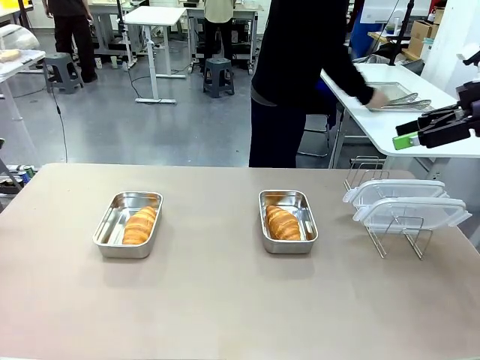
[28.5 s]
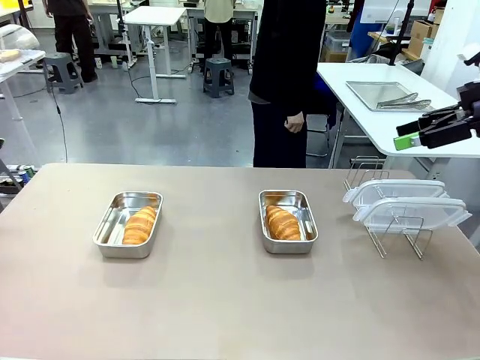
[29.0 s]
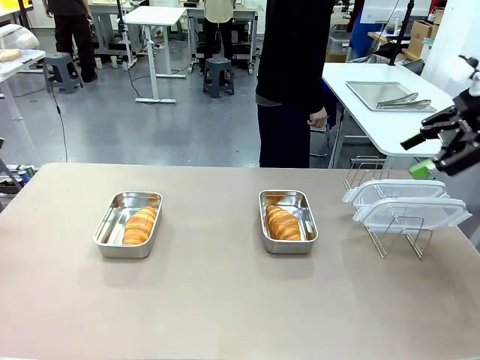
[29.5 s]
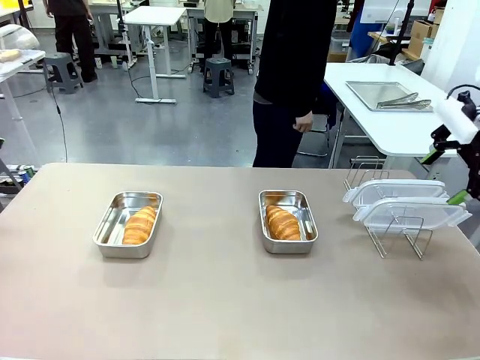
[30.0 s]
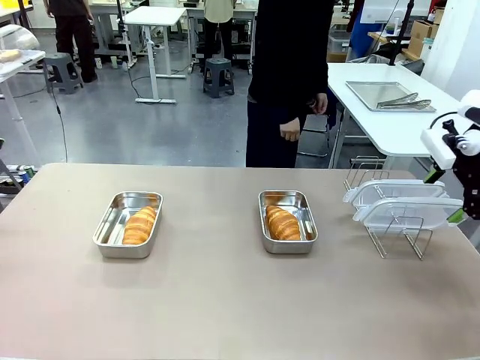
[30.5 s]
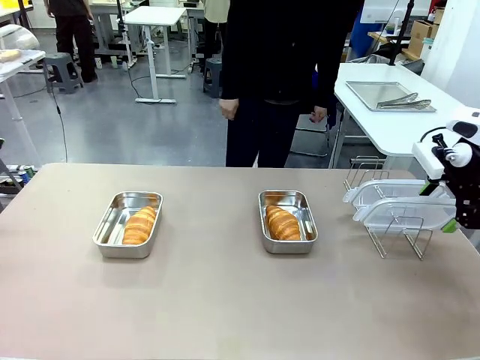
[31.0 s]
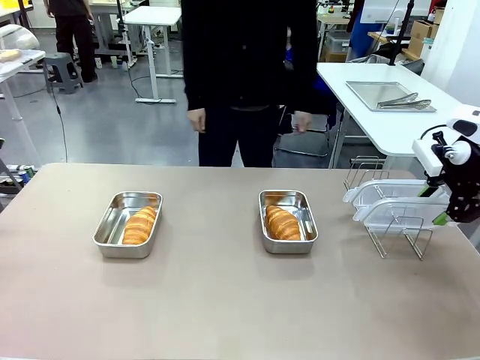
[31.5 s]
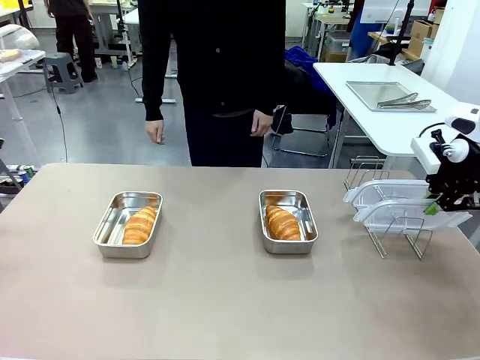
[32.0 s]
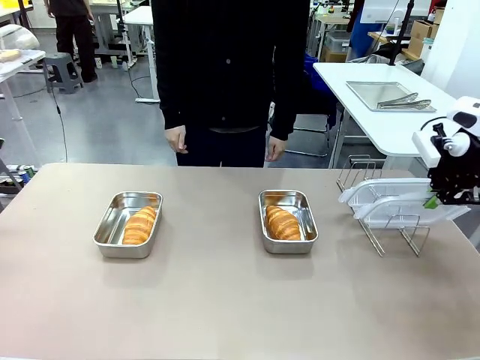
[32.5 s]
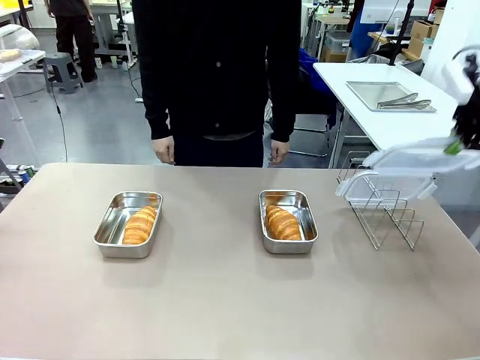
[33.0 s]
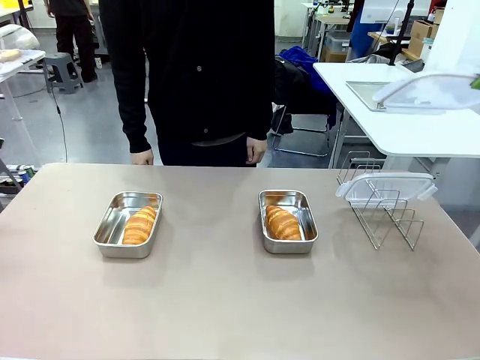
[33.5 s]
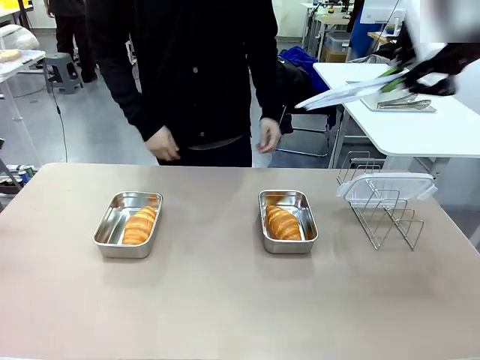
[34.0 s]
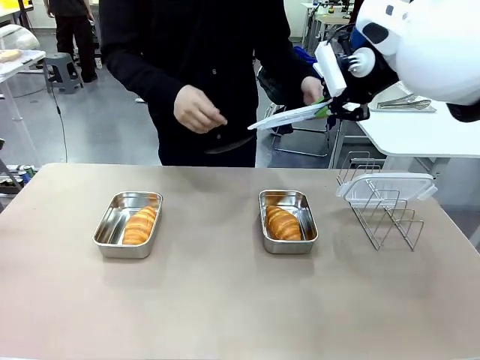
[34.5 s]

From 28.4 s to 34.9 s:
Task: Place the bread in airtight containers.
Robot: Pick up one Airtight Container lid and hand it to the human.
Person: Grip Airtight Container lid that robot is handing.

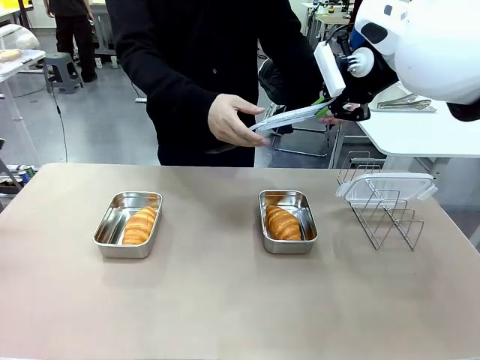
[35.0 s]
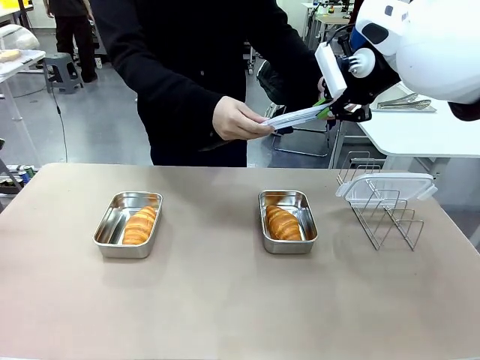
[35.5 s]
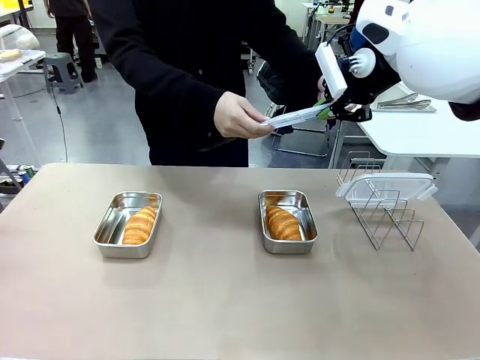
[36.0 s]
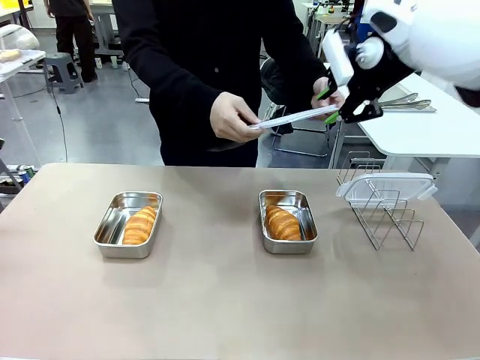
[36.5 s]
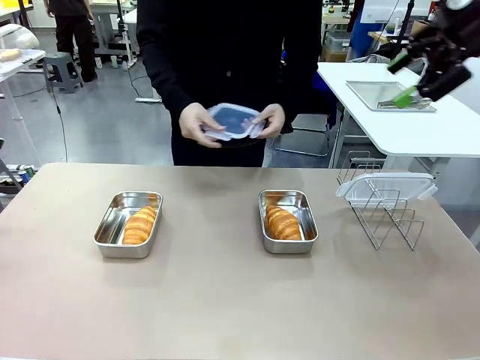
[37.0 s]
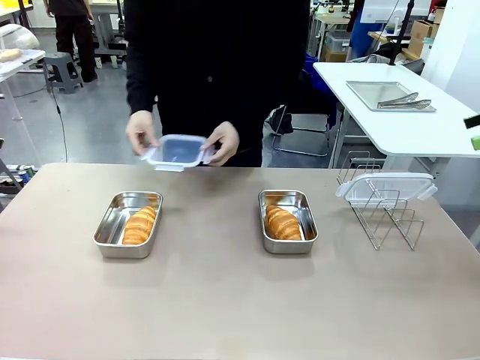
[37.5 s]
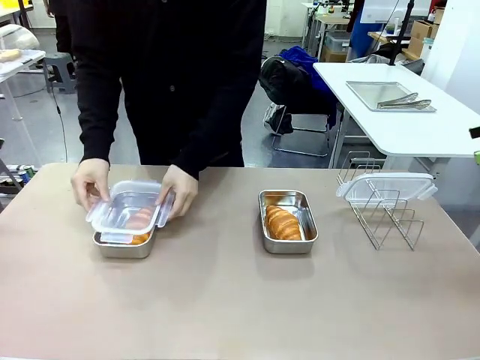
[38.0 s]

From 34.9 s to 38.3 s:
Robot: Release when the human grabs the Airtight Container lid.

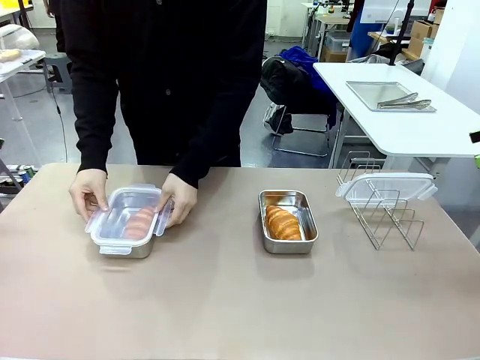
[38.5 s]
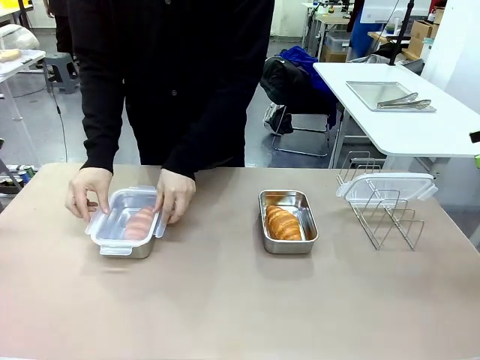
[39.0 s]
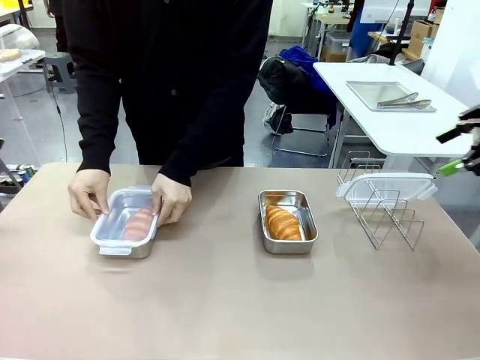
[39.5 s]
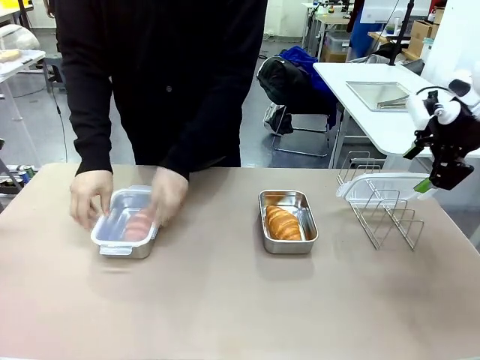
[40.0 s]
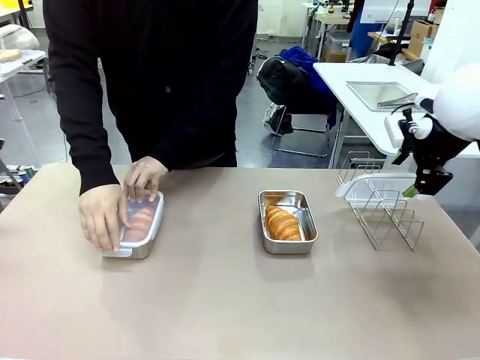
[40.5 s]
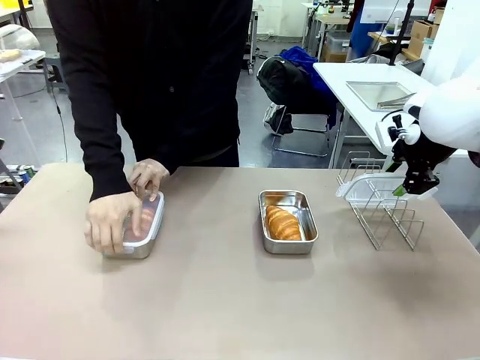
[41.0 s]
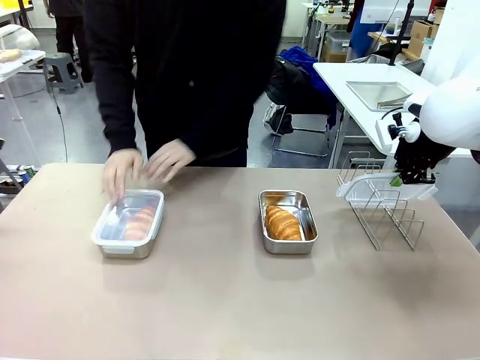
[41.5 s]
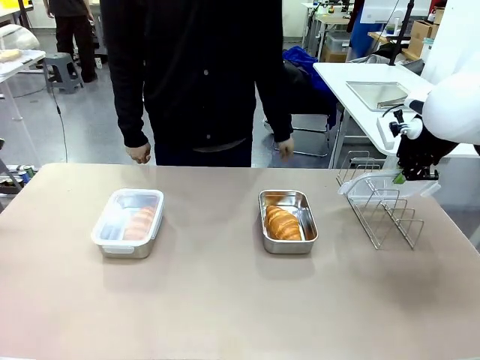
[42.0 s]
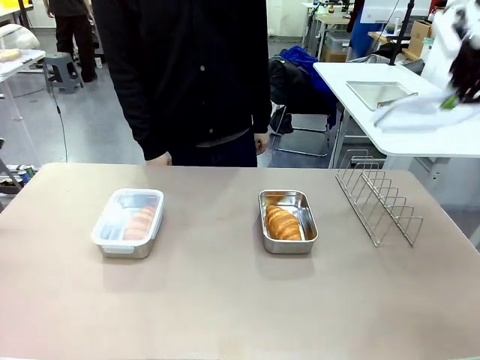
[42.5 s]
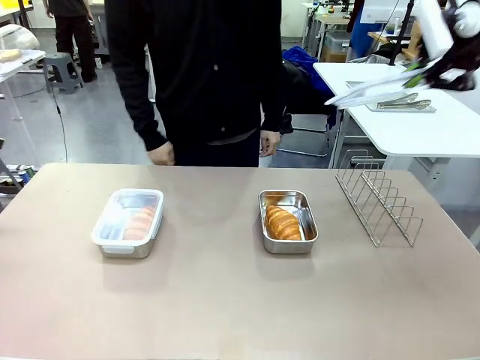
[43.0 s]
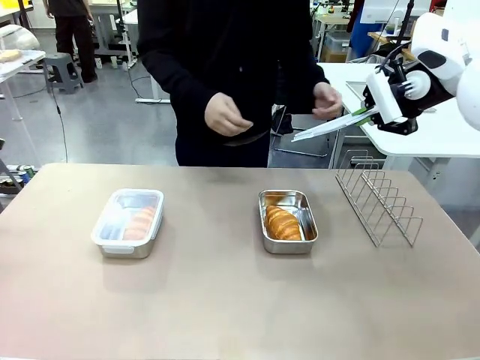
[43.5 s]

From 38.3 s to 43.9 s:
Robot: Pick up one Airtight Container lid and hand it to the human.
Person: Close Airtight Container with a handed Airtight Container lid. Grip Airtight Container lid that robot is handing.

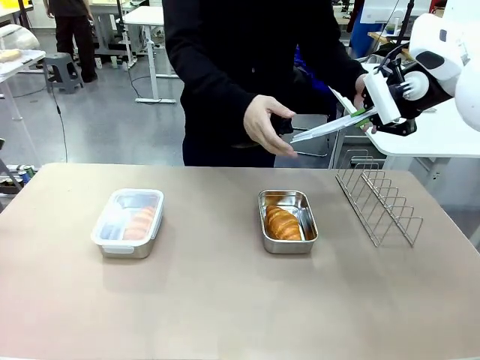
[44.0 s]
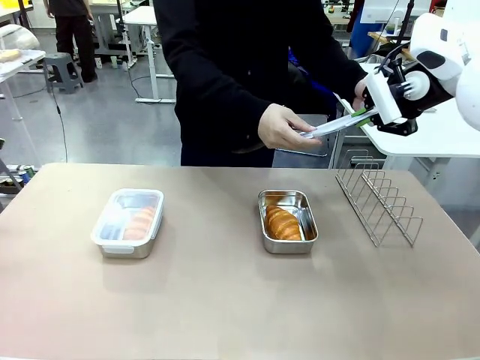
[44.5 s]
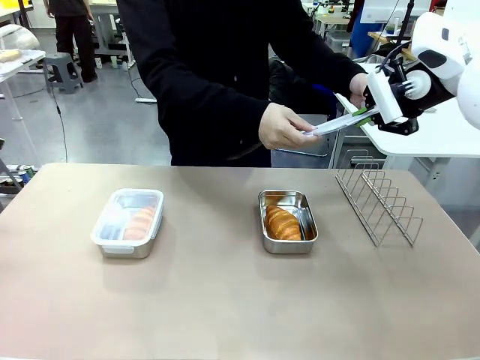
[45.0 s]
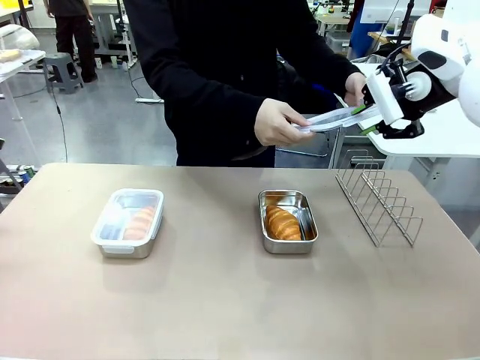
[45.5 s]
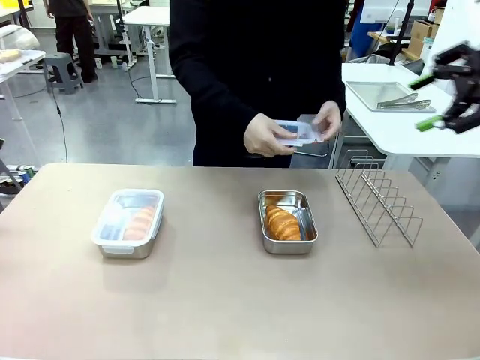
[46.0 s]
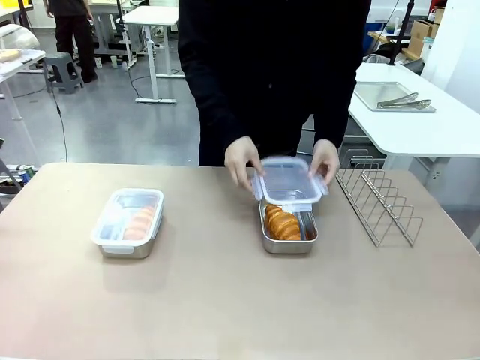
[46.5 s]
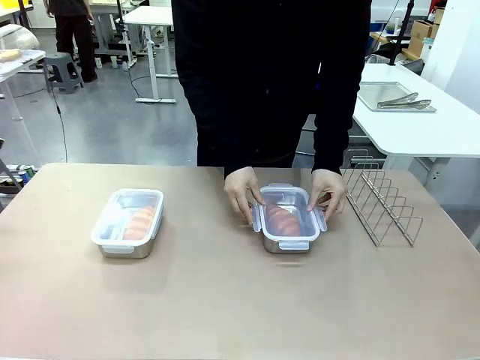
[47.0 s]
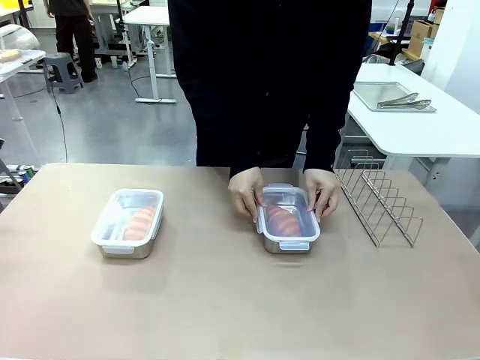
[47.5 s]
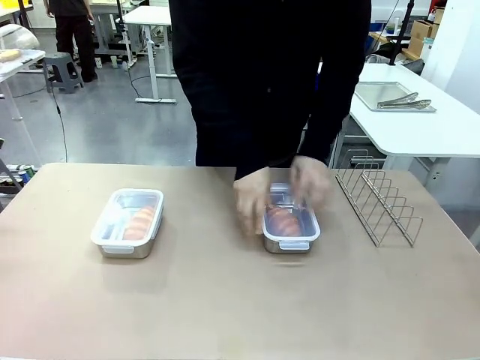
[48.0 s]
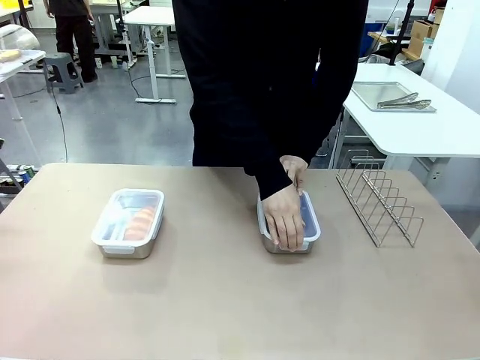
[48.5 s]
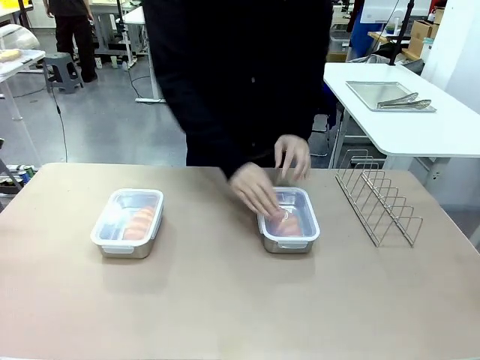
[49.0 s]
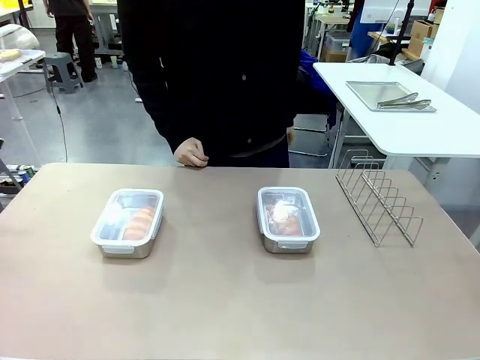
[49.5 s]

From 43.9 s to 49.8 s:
Robot: Release when the human grabs the Airtight Container lid.
Person: Close Airtight Container with a handed Airtight Container lid.
